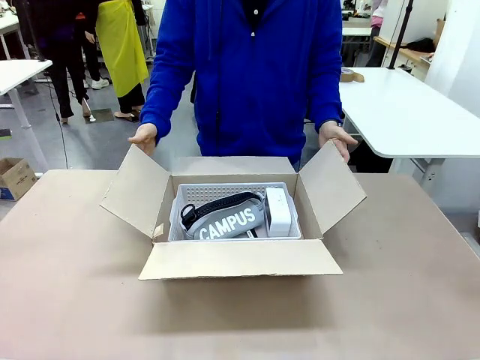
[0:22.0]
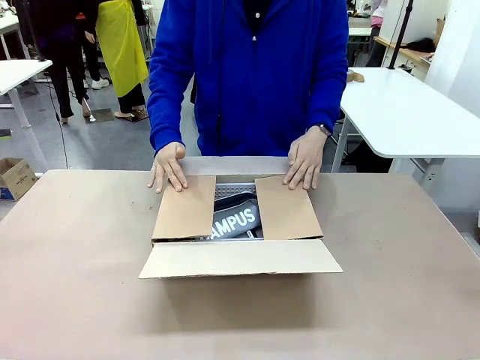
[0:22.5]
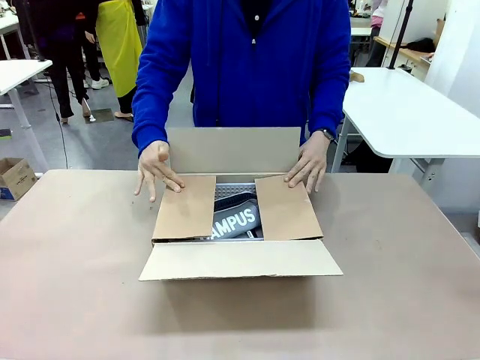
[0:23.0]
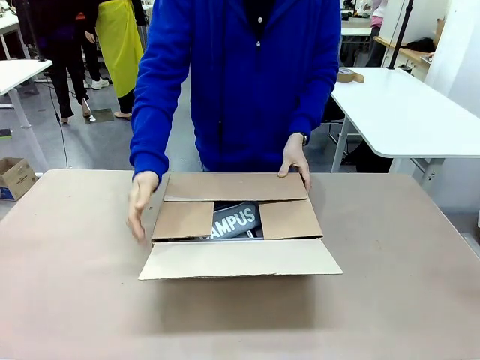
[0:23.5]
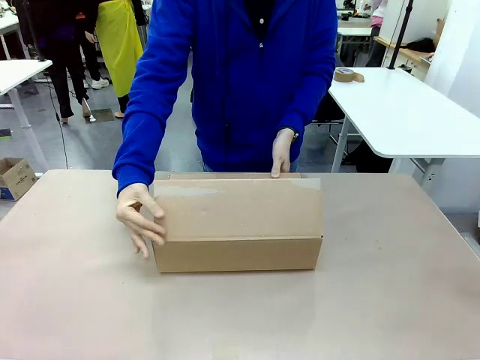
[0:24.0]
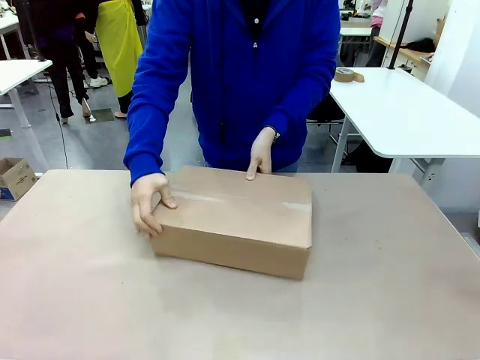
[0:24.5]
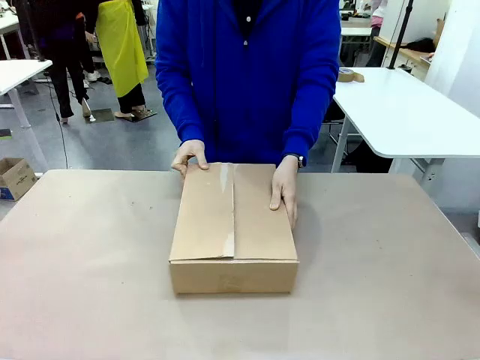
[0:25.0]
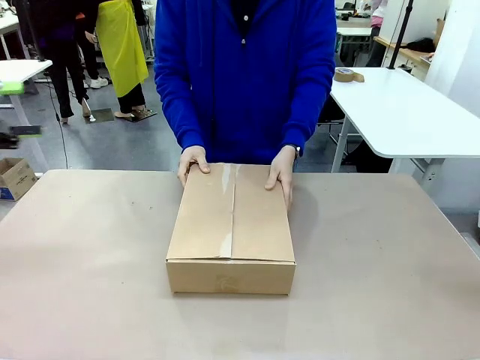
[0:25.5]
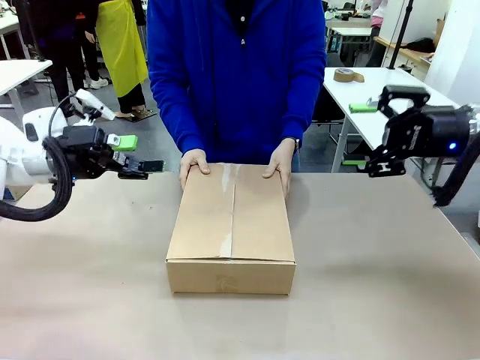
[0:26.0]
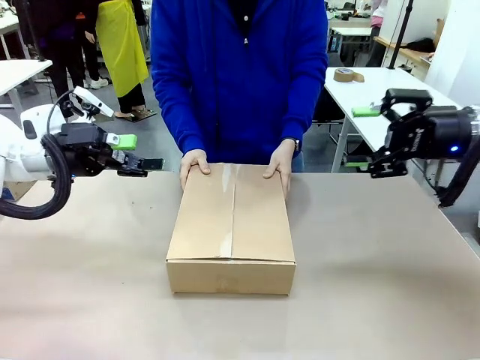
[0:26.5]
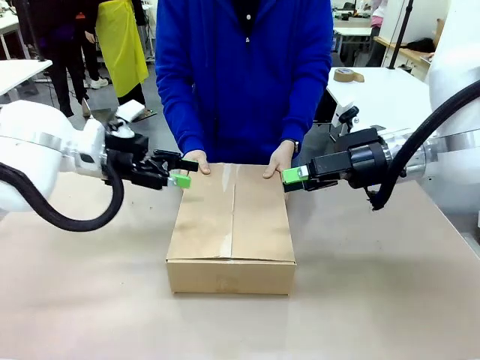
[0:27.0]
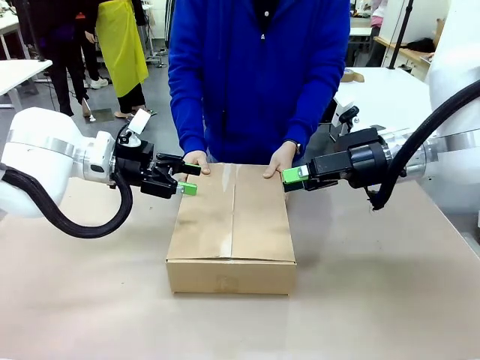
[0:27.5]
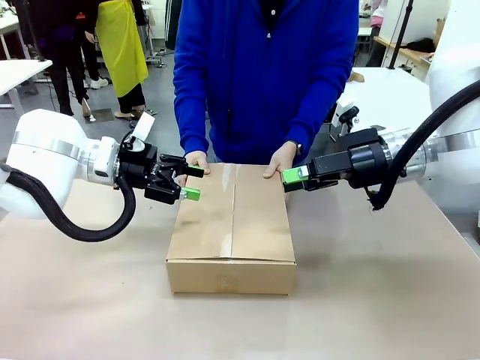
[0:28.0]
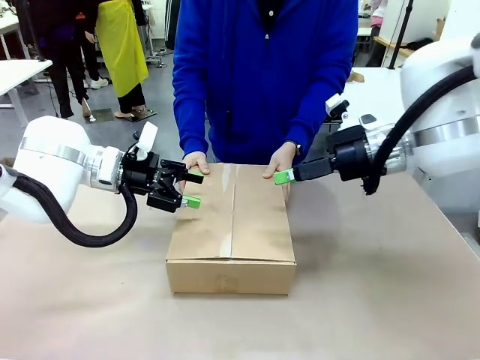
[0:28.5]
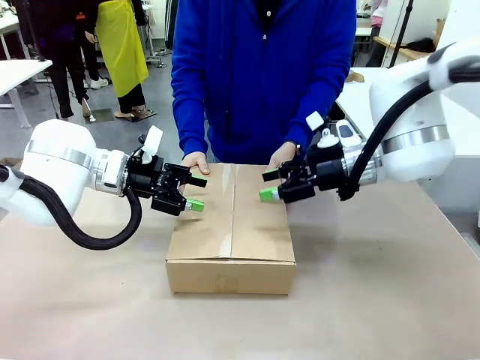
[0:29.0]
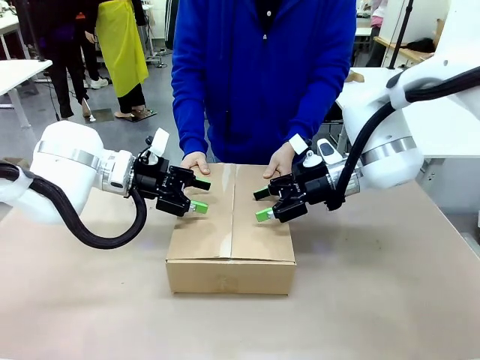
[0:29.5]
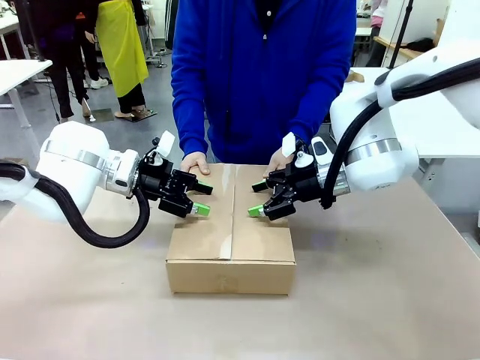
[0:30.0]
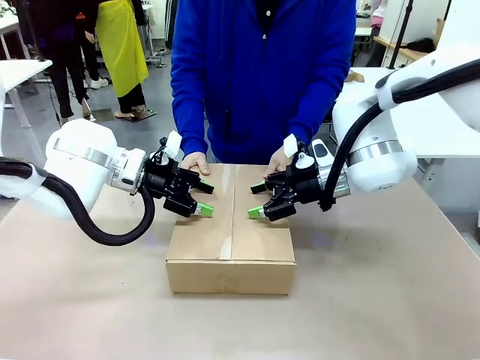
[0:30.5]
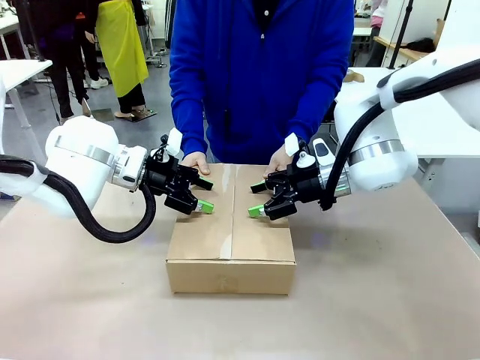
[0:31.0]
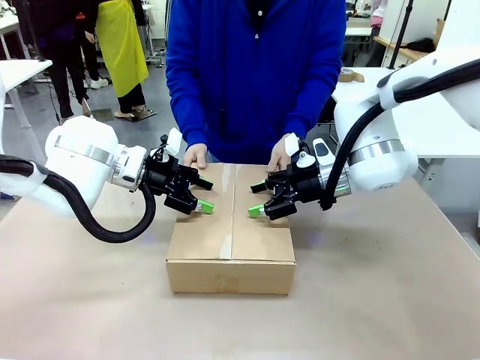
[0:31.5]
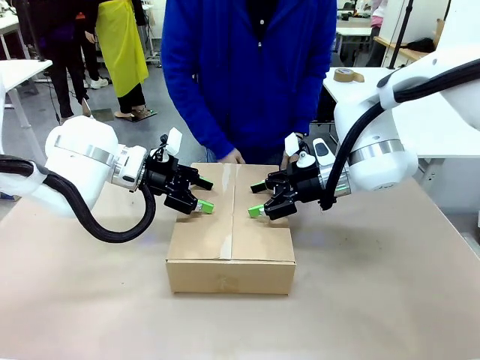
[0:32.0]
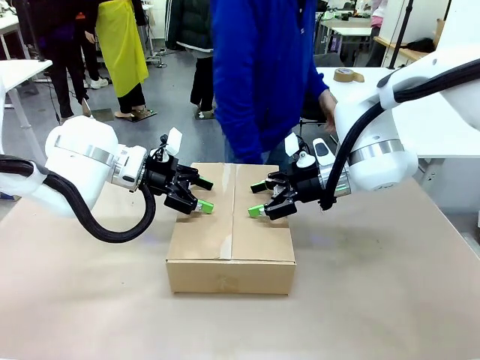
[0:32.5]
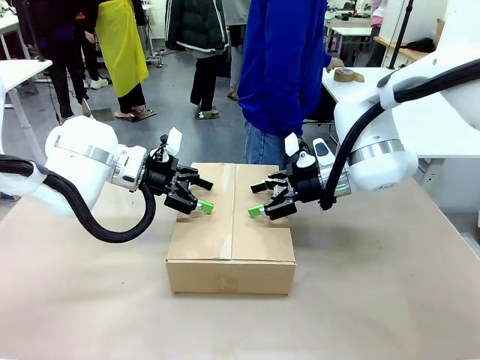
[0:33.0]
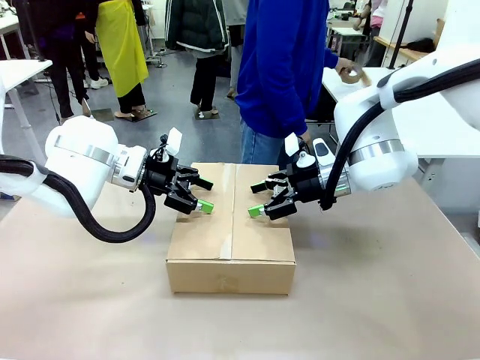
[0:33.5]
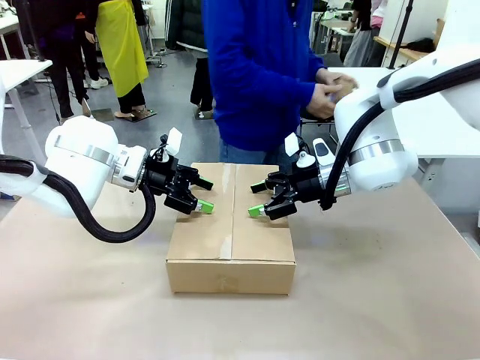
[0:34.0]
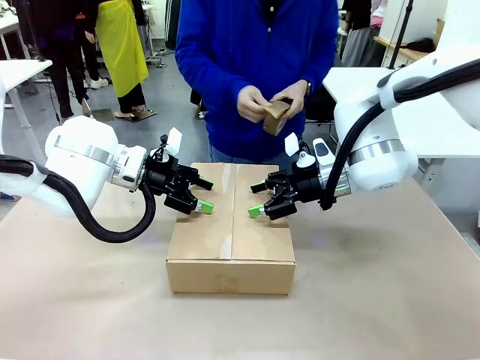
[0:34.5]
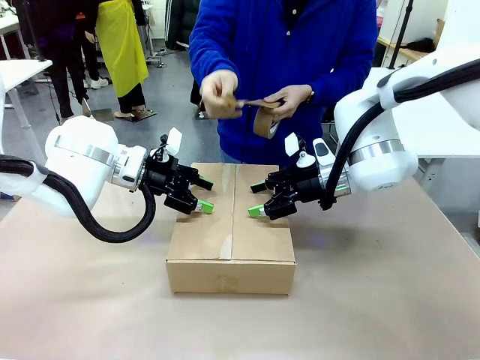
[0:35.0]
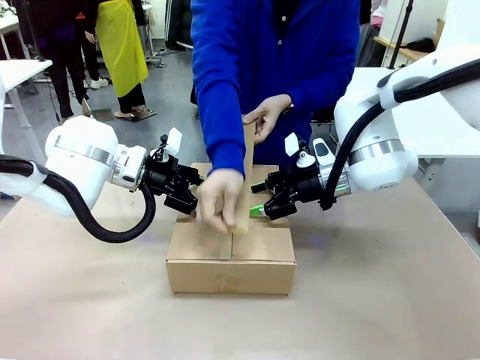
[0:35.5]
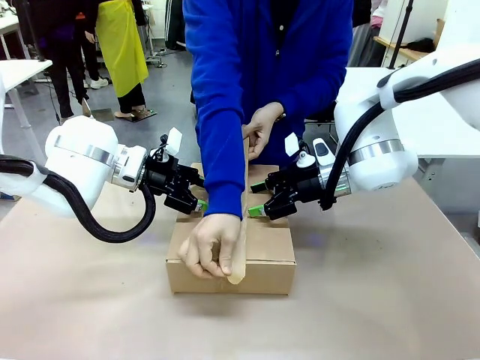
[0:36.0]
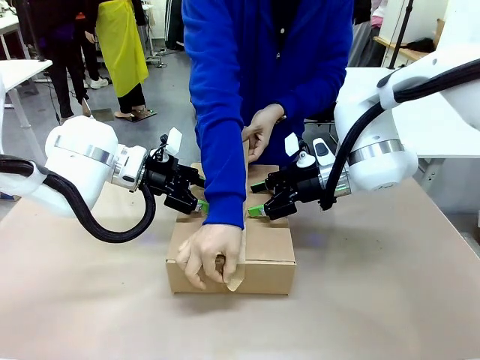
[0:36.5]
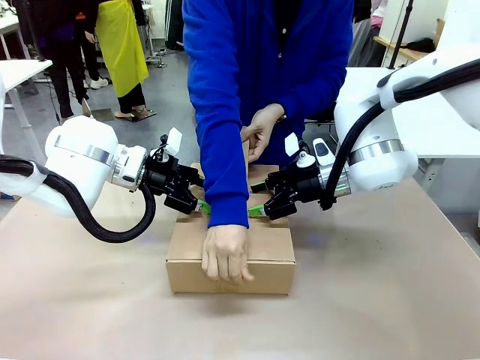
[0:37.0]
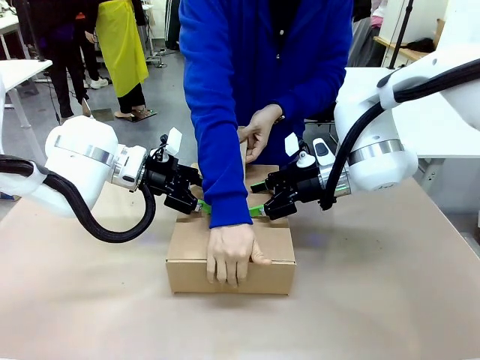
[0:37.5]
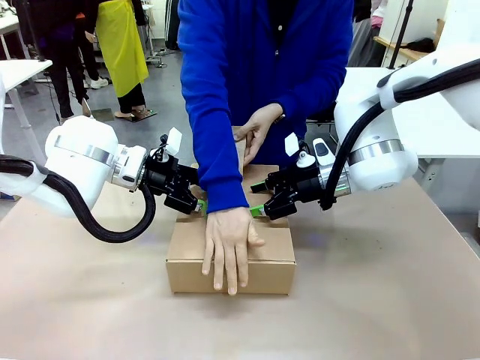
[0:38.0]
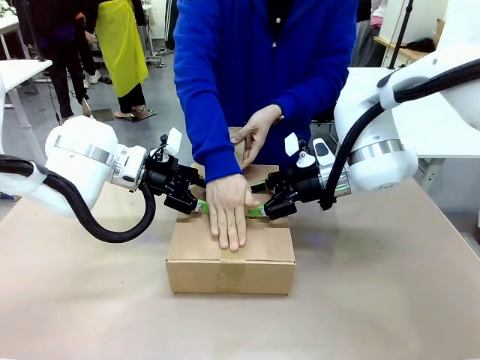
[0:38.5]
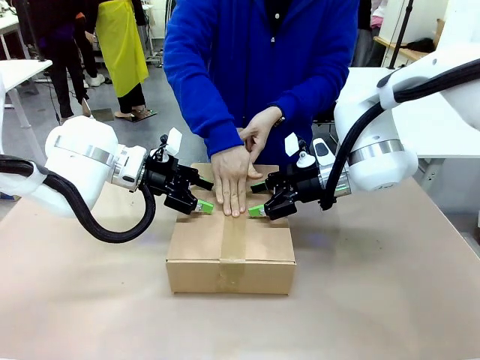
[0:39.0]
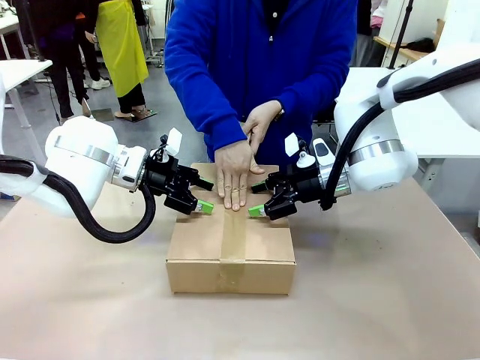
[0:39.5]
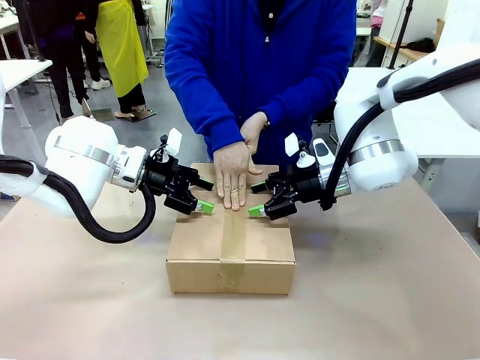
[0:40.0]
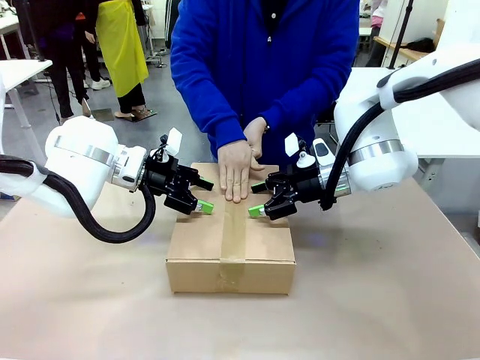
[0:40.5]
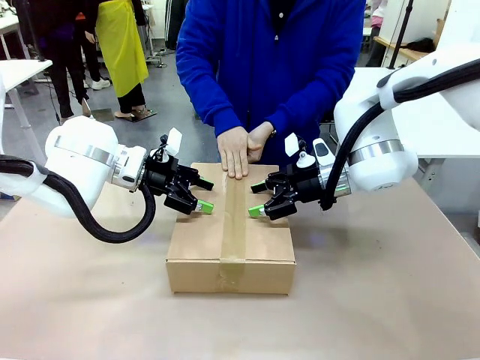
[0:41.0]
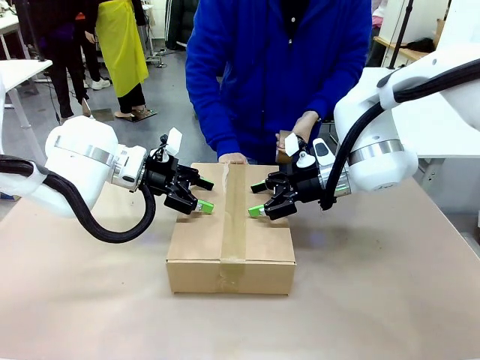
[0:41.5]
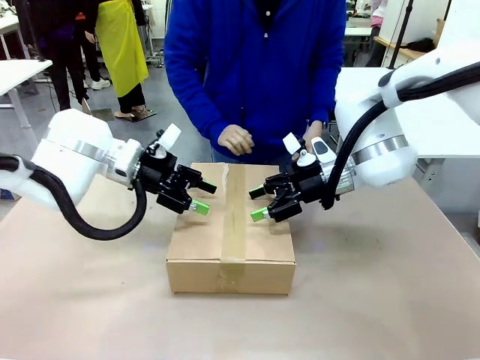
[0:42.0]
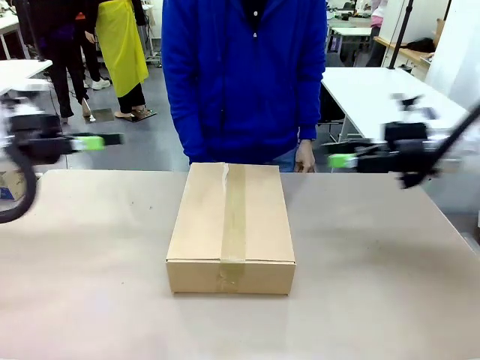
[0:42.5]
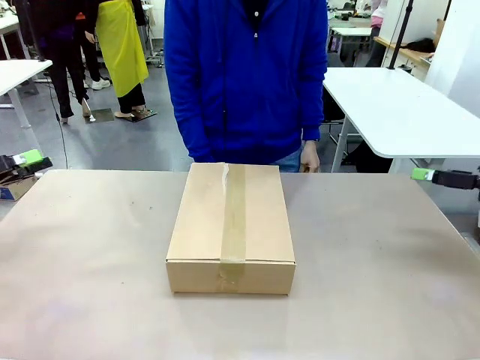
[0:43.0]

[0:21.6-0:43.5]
Task: Pack the gift set into the box.
Robot: Press and hold the closed box until the human finishes sealing it.
Person: The human closes the box and rotates the box by 90 degrees. The human picks up the paper tape from the human table and packs the box.
